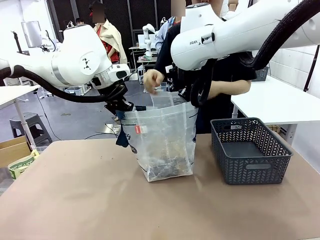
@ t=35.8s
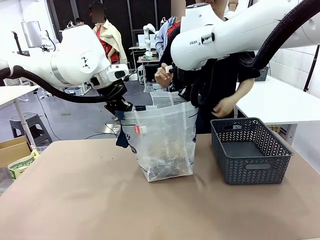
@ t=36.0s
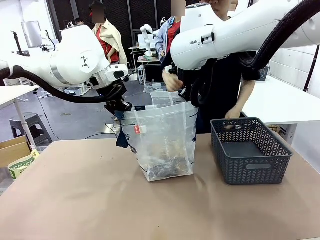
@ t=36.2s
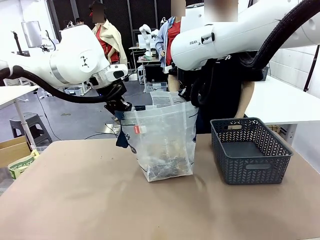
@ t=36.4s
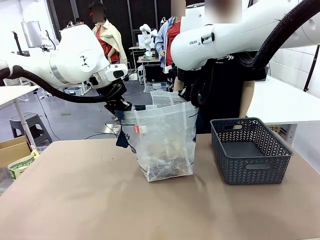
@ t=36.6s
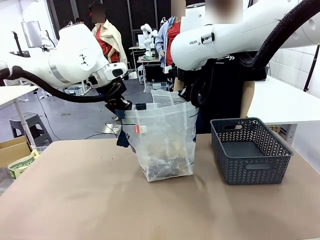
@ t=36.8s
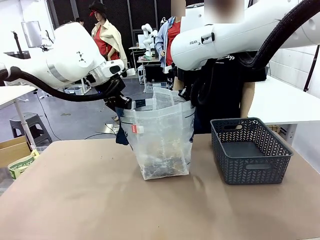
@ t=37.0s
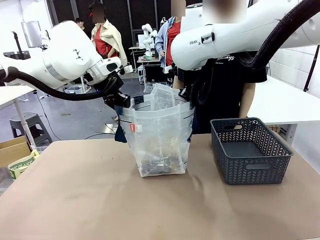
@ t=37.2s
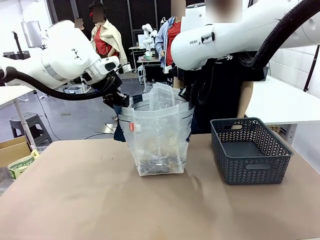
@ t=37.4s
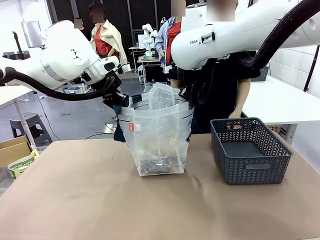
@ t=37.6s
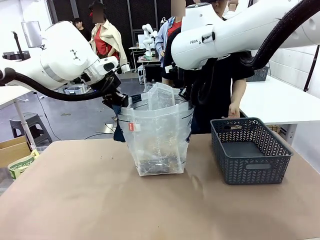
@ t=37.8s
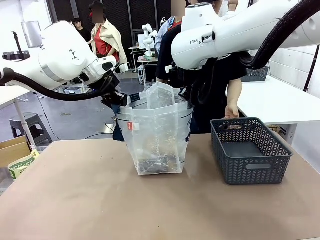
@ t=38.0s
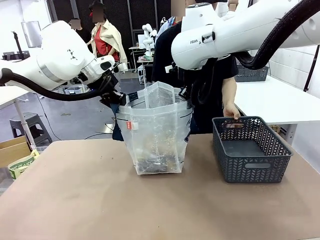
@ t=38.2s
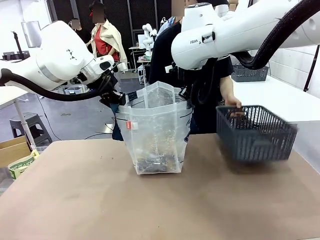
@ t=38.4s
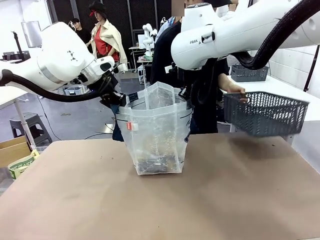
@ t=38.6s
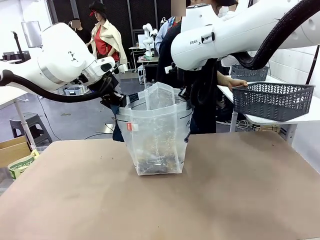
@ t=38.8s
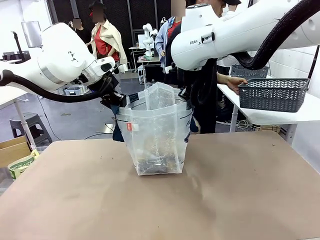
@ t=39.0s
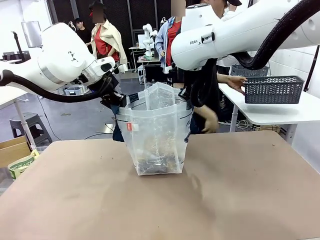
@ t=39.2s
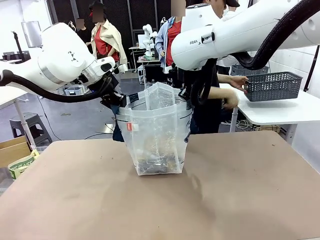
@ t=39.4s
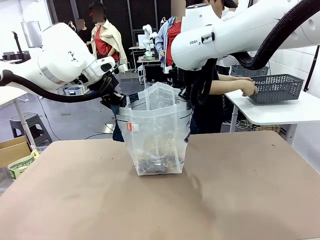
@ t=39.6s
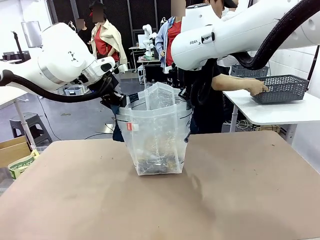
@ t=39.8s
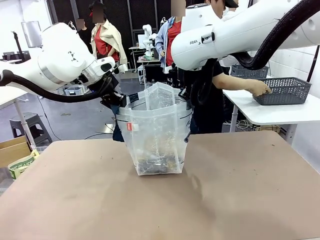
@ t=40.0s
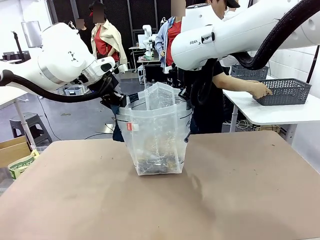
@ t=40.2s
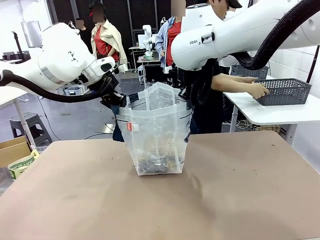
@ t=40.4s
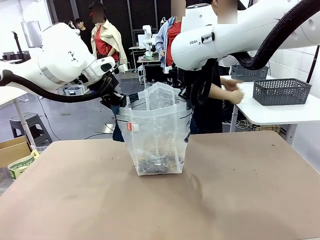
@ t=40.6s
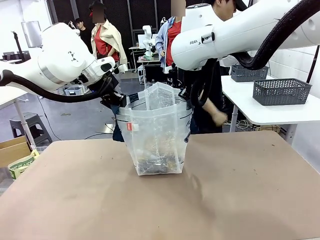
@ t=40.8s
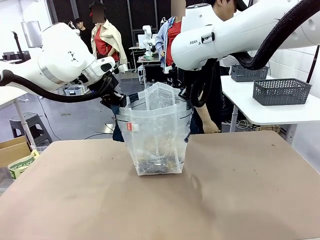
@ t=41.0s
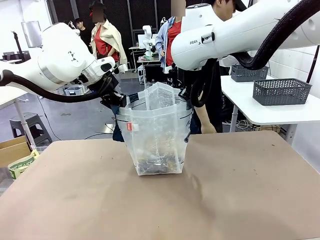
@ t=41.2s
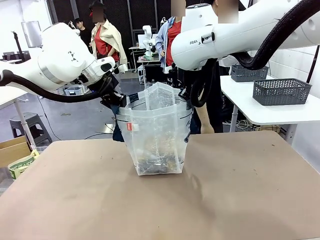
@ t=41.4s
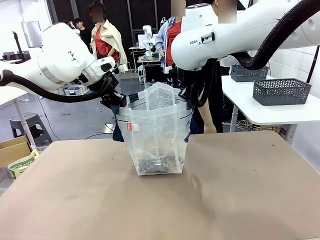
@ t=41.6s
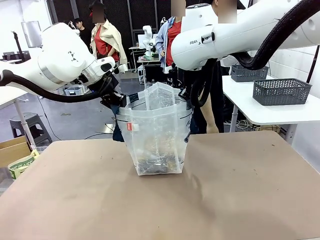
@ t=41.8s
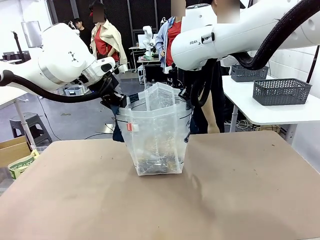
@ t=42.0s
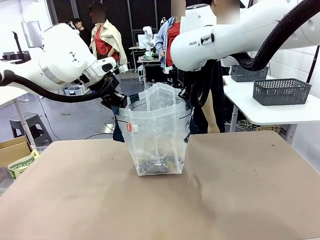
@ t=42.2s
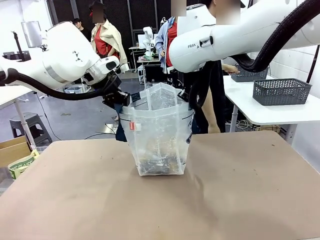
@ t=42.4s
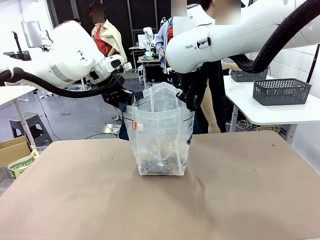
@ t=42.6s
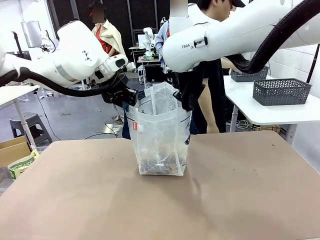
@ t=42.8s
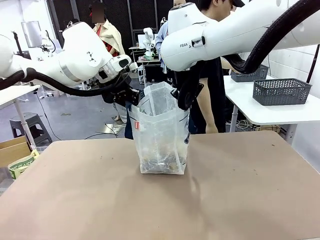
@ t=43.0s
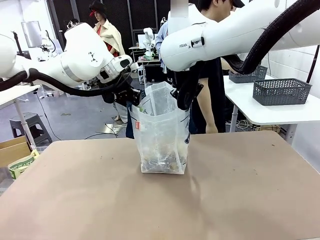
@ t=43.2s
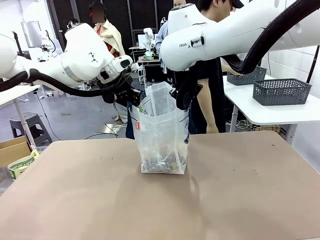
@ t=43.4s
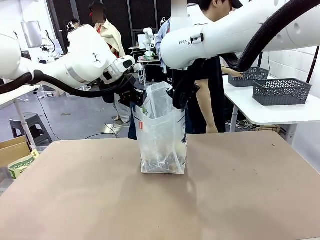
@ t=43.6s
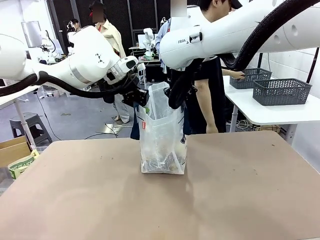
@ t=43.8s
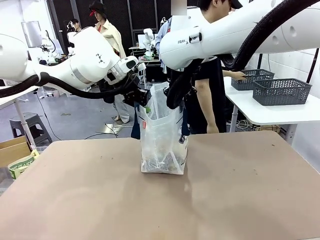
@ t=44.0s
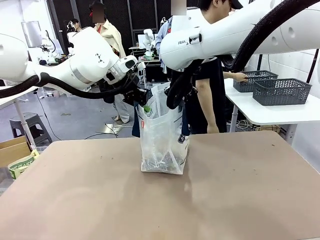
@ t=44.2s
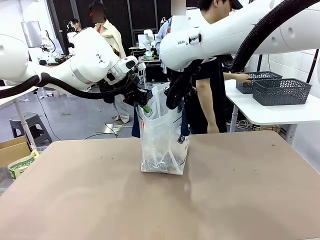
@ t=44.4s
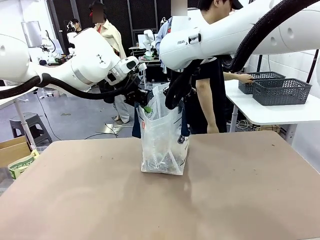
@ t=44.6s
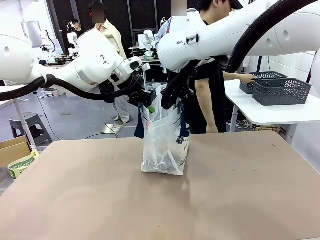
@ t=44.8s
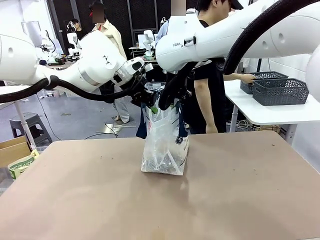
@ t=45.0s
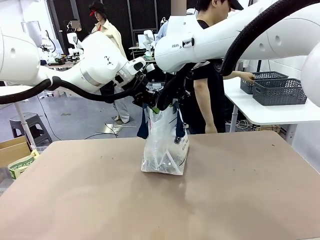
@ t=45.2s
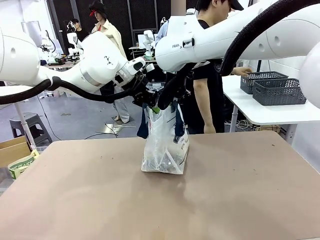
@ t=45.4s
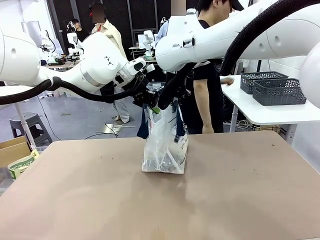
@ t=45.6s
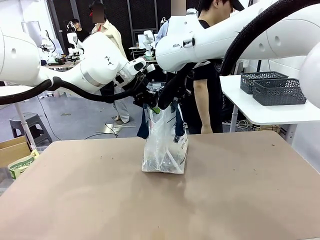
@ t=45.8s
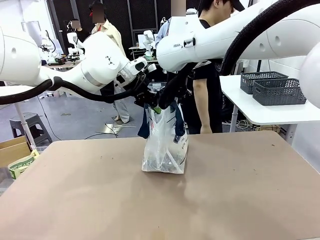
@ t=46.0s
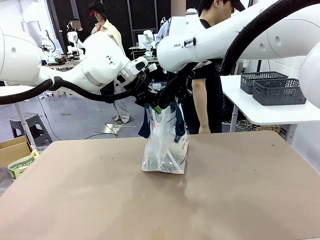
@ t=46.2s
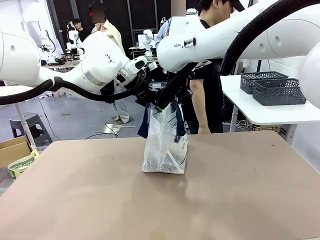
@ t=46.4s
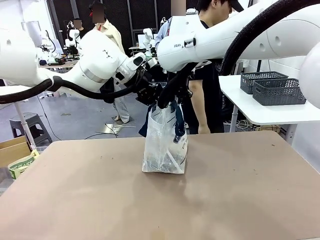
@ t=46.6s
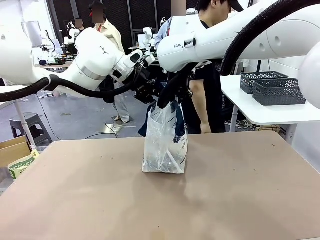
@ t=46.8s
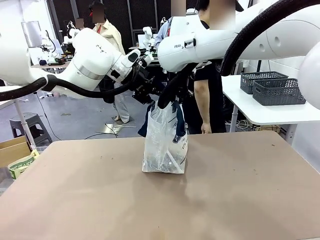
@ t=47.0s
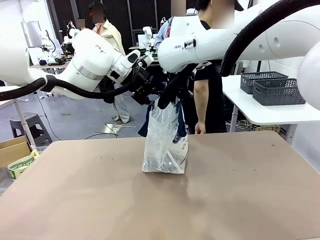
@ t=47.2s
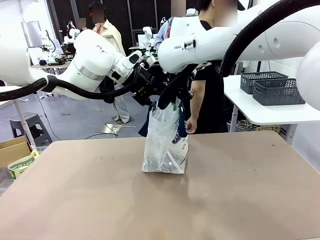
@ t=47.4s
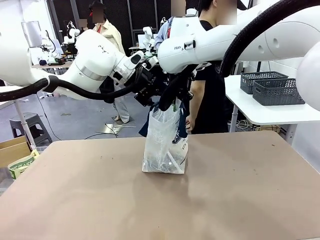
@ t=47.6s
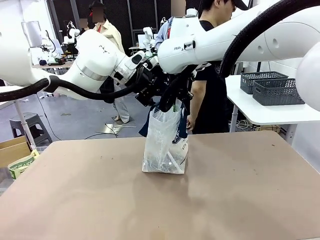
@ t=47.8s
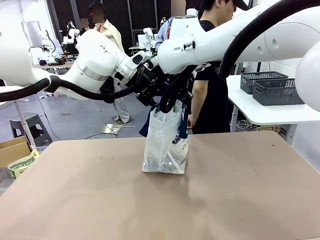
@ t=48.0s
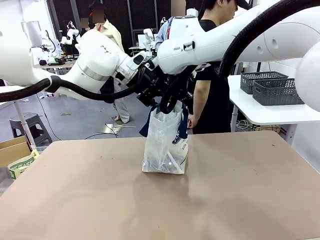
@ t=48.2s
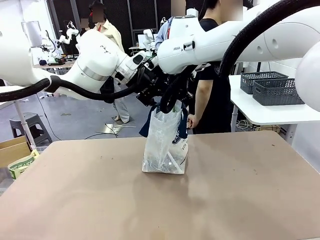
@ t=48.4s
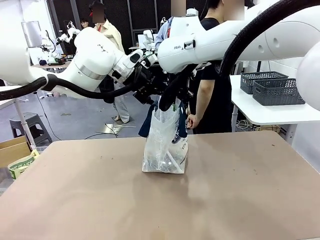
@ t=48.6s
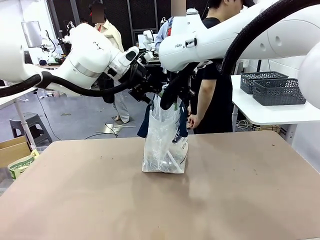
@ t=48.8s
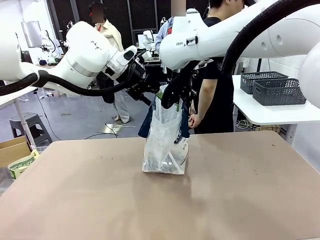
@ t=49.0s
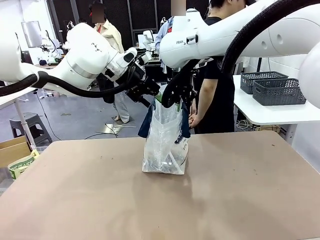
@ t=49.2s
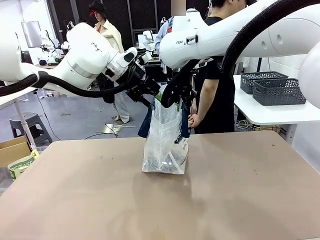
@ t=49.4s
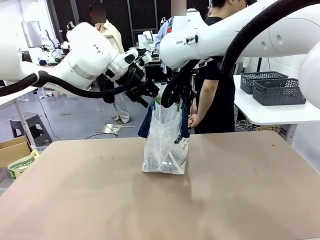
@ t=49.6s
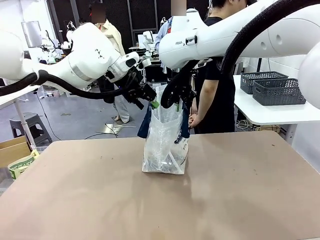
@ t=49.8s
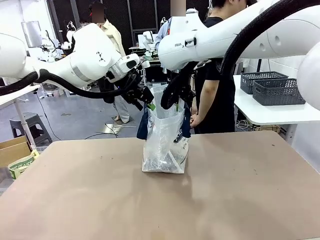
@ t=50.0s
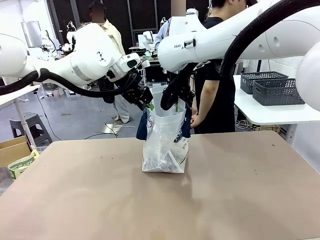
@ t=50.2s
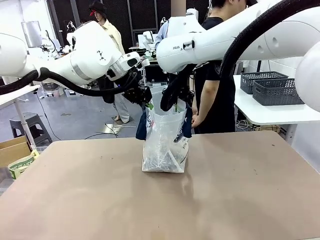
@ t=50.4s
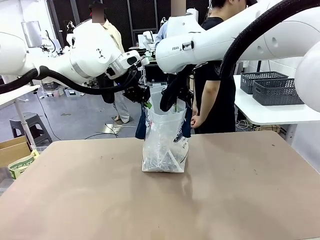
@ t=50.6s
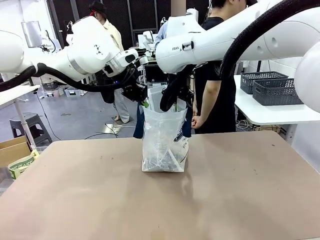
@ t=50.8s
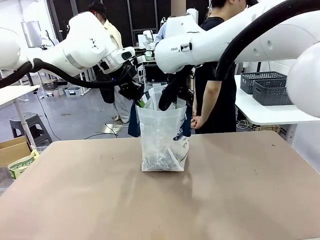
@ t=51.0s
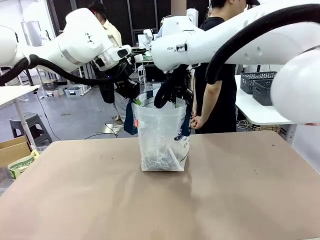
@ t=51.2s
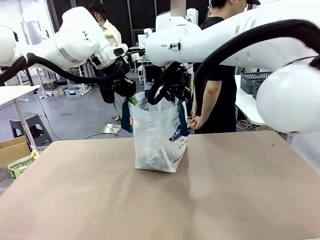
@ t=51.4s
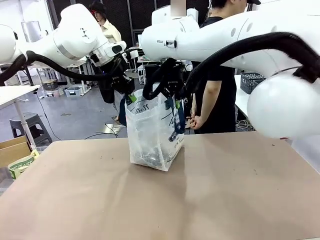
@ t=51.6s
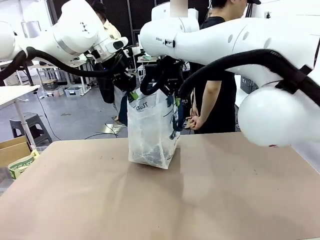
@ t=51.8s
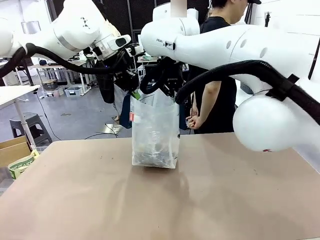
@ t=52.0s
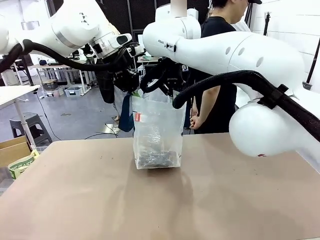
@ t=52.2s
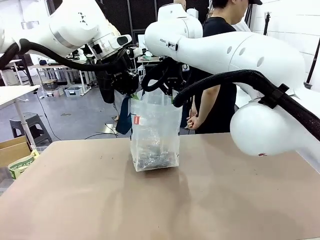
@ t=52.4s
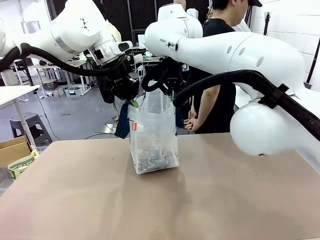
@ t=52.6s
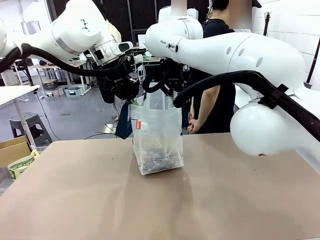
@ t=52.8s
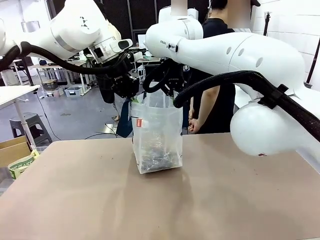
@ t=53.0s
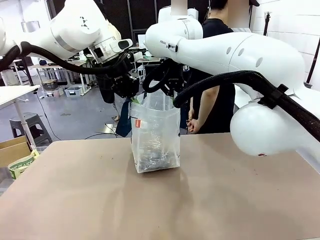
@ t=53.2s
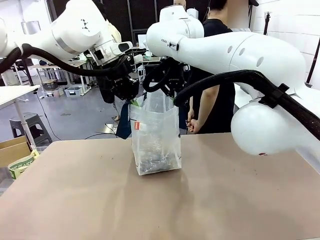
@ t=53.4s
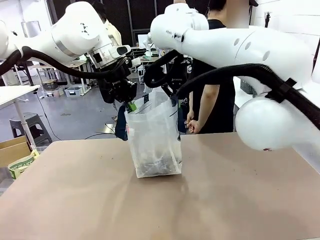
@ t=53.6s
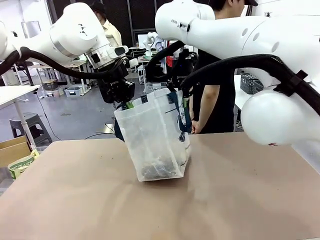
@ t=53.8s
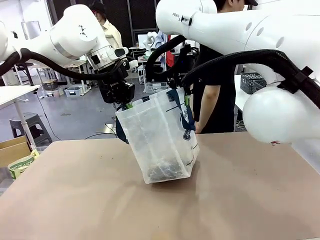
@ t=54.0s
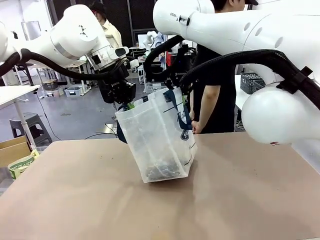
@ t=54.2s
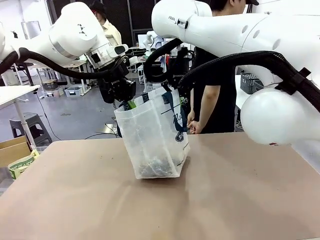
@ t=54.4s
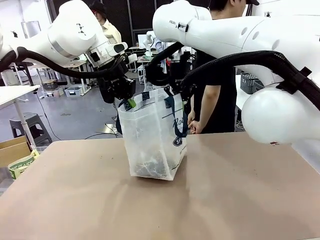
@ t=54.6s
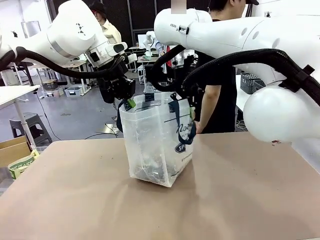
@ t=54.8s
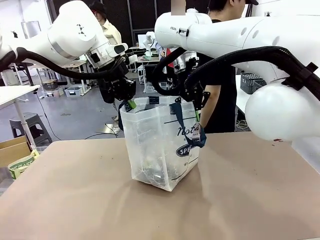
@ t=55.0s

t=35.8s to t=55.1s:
Task: Transfer purchased items from the store into the shopping bag.
Robot: Move the Reusable shopping bag to the right side of the table.
Person: Pick up the basket with the items out and place it on the right side of the human table.
